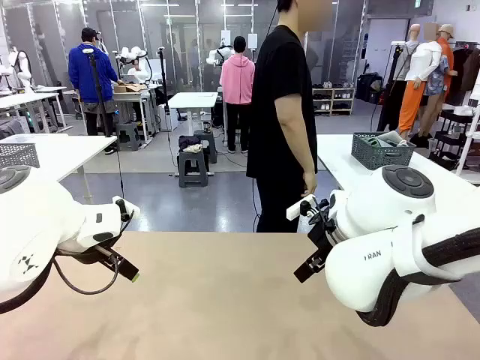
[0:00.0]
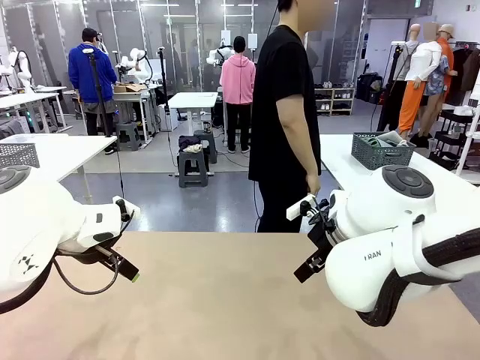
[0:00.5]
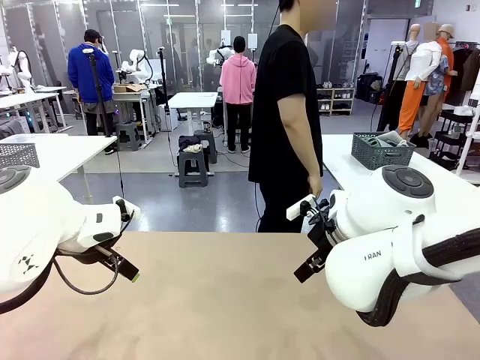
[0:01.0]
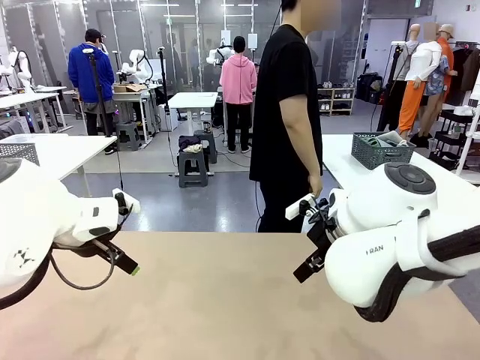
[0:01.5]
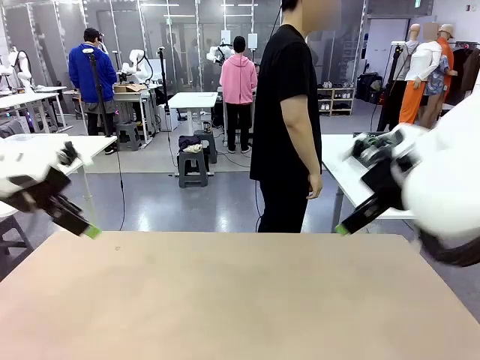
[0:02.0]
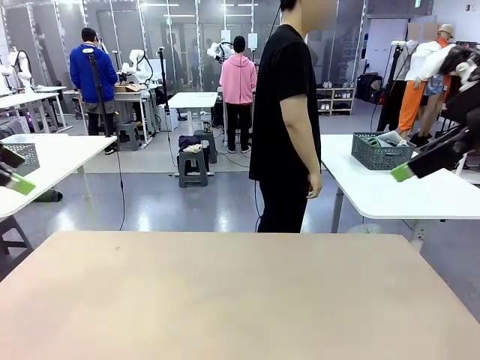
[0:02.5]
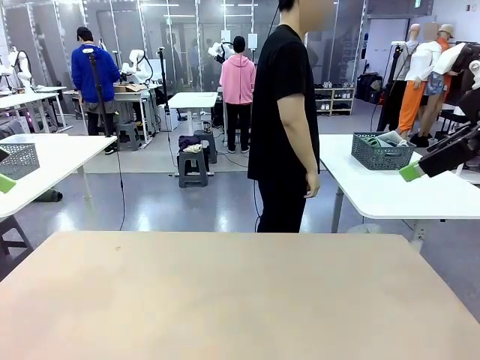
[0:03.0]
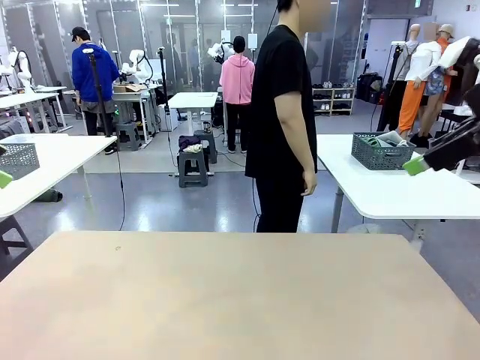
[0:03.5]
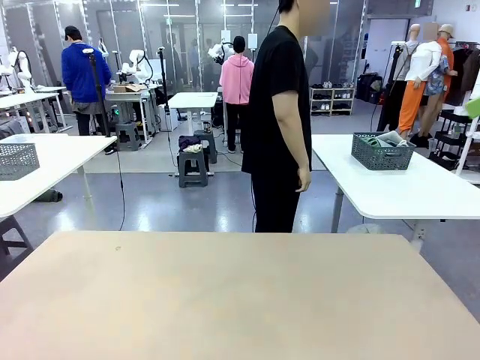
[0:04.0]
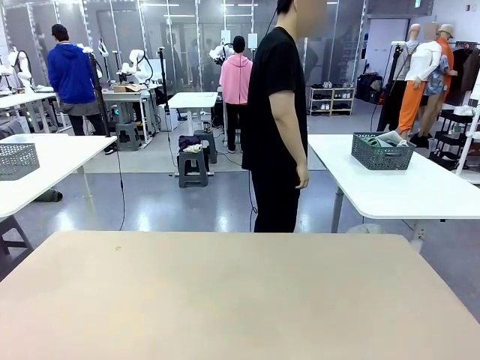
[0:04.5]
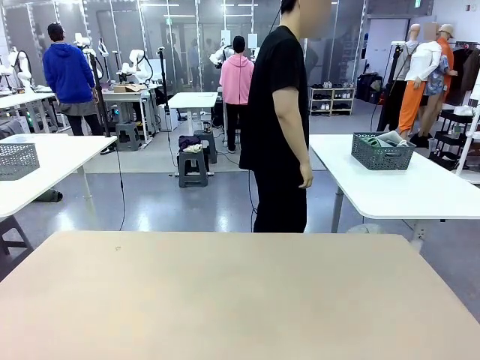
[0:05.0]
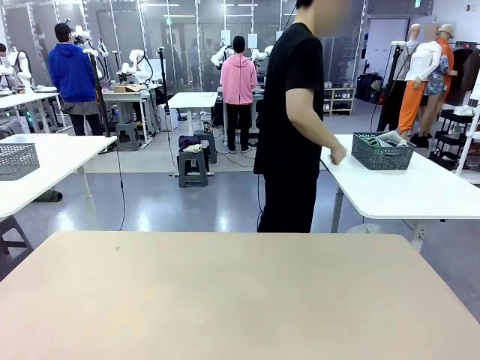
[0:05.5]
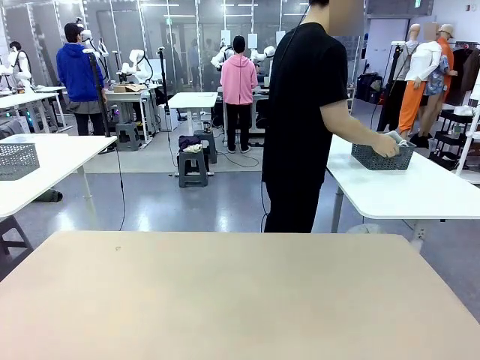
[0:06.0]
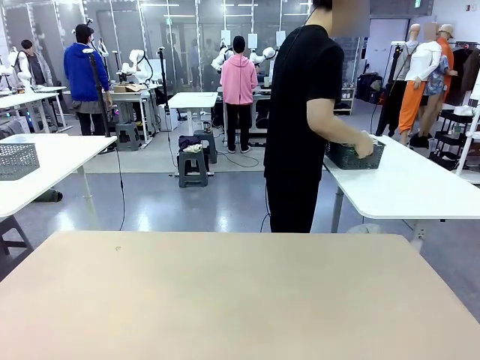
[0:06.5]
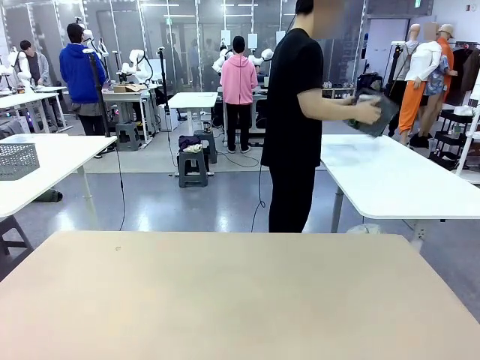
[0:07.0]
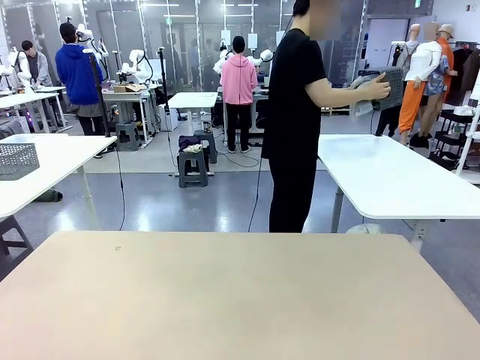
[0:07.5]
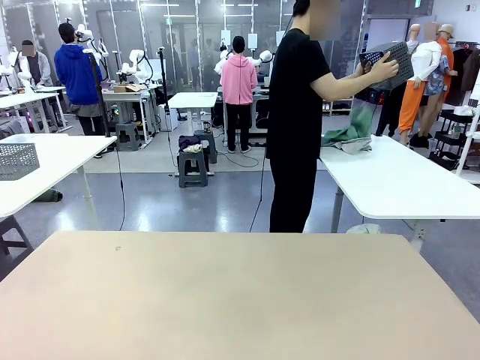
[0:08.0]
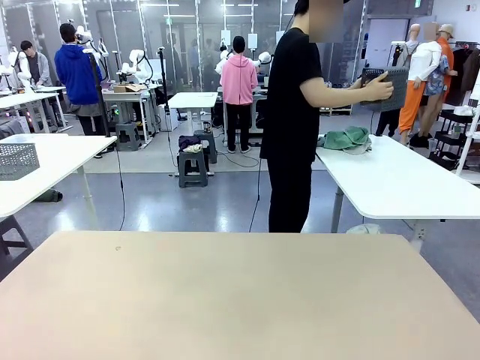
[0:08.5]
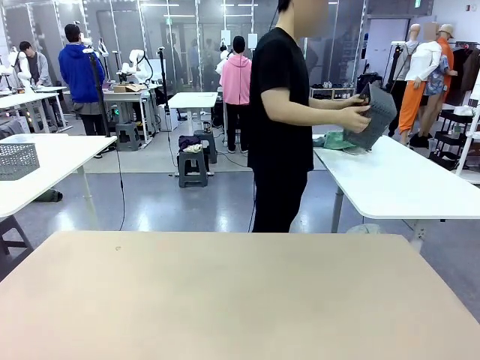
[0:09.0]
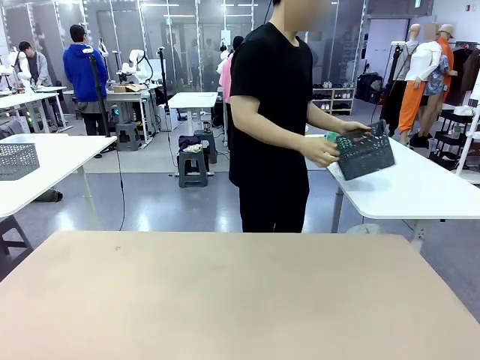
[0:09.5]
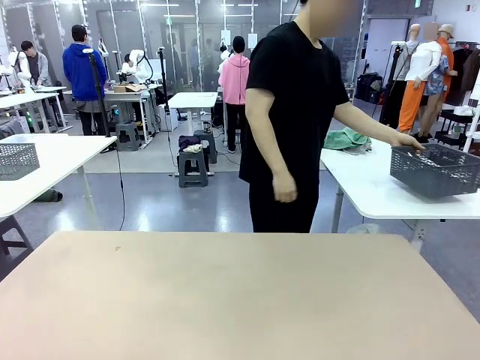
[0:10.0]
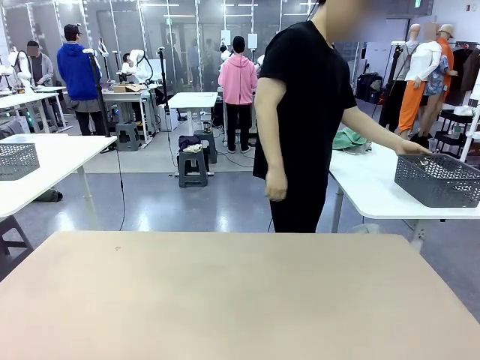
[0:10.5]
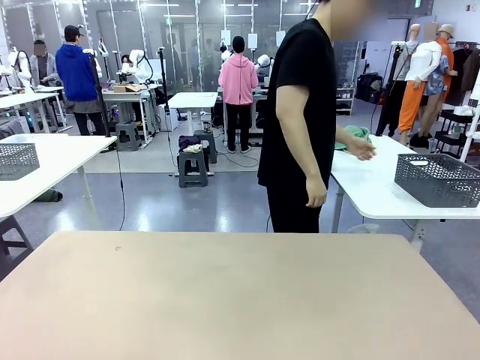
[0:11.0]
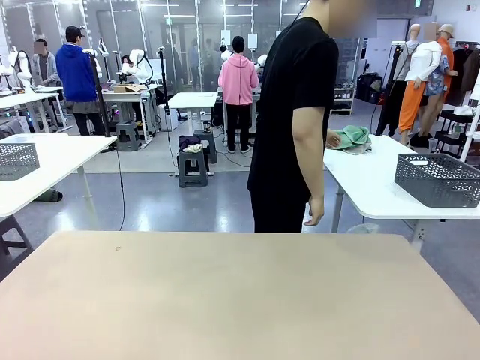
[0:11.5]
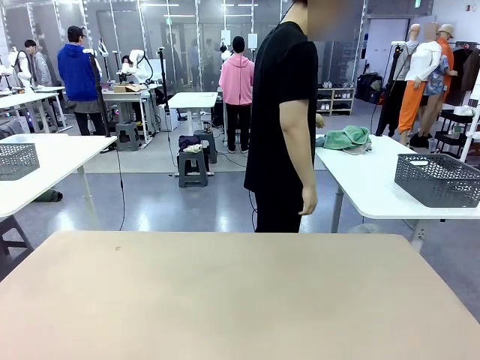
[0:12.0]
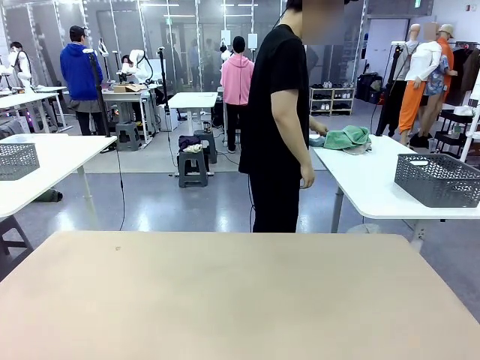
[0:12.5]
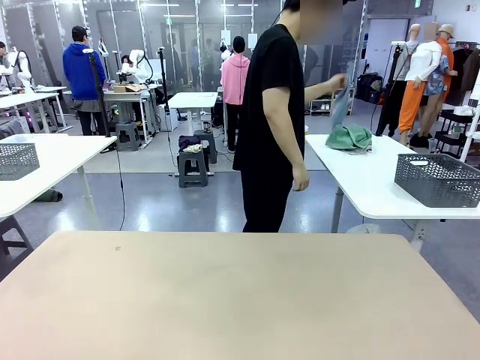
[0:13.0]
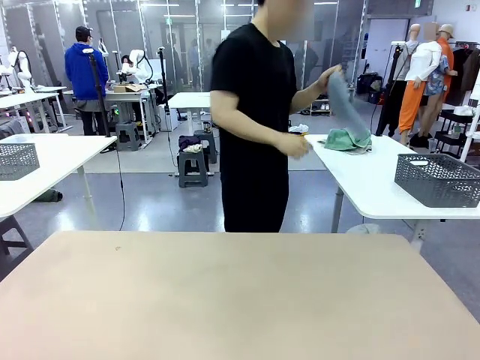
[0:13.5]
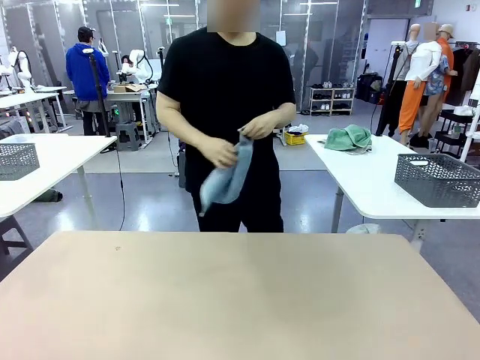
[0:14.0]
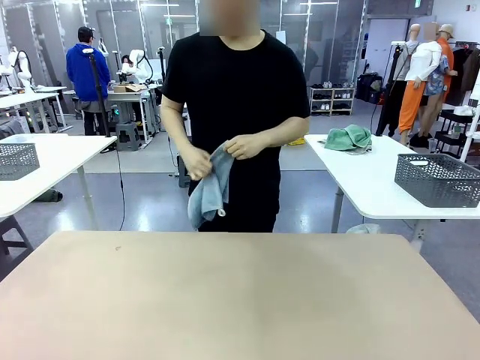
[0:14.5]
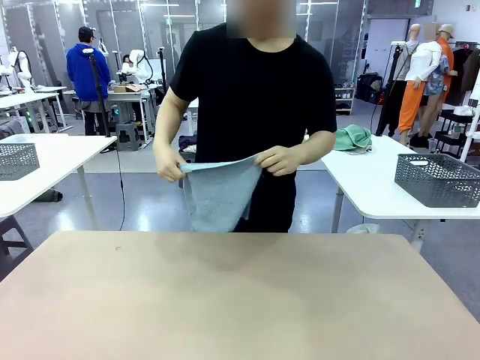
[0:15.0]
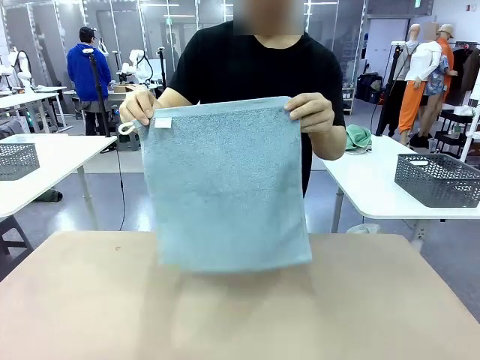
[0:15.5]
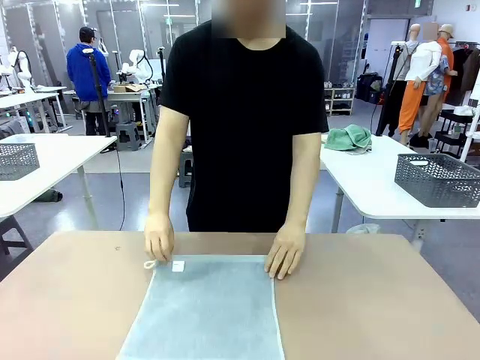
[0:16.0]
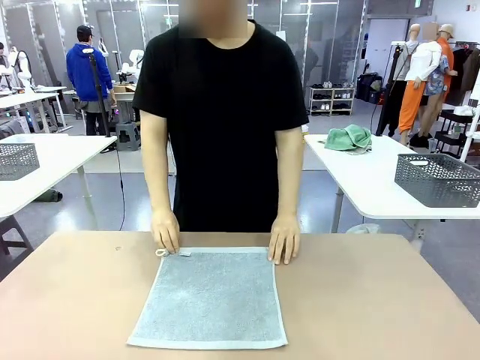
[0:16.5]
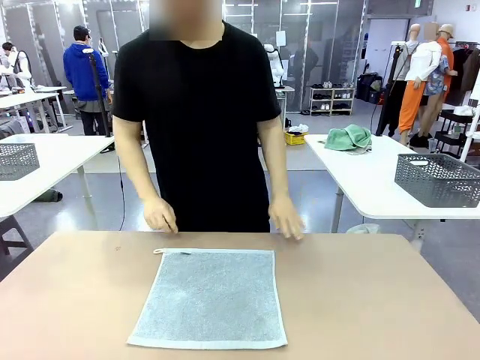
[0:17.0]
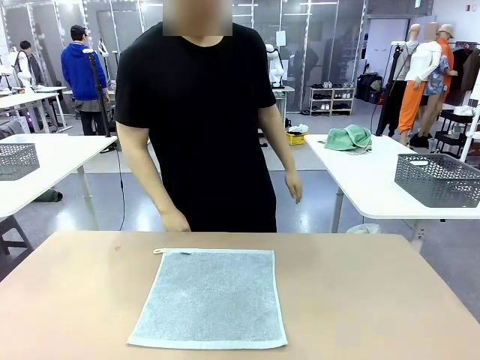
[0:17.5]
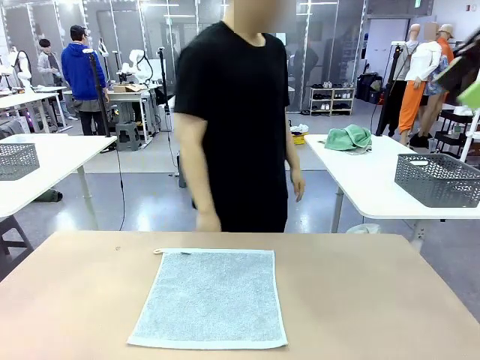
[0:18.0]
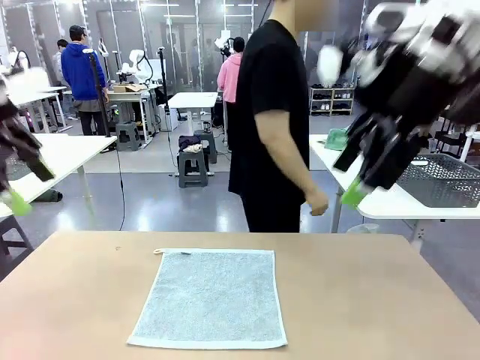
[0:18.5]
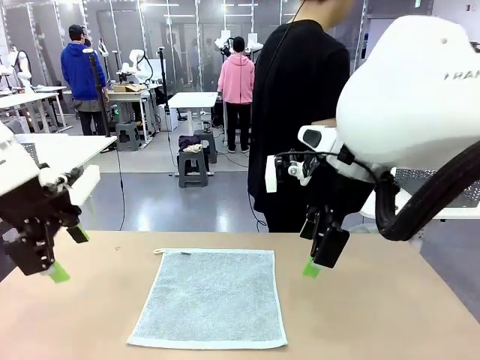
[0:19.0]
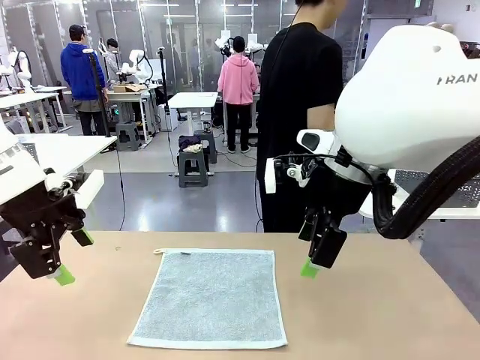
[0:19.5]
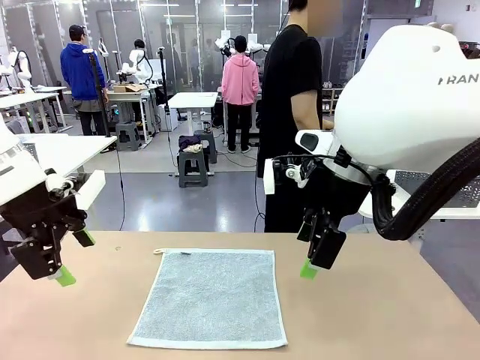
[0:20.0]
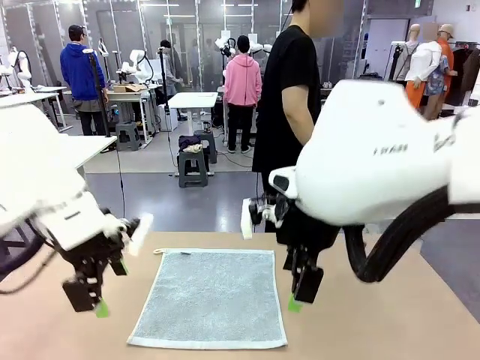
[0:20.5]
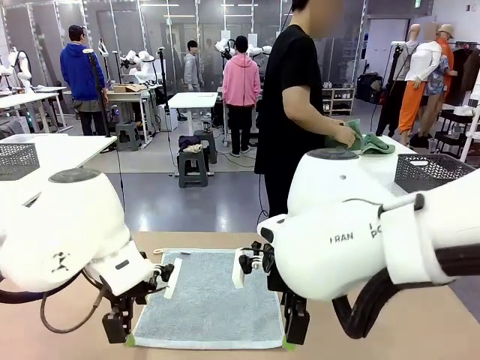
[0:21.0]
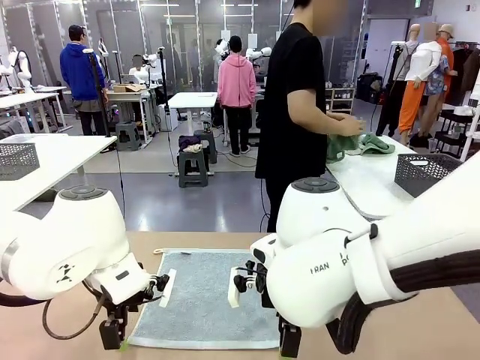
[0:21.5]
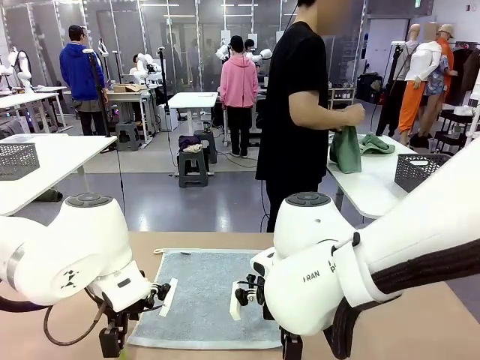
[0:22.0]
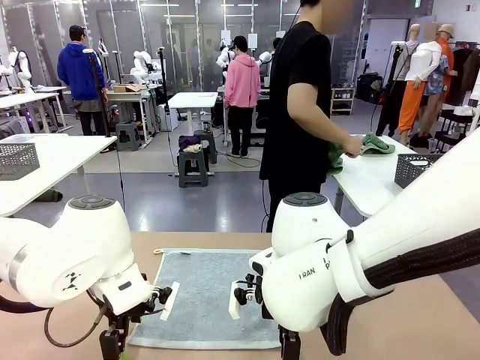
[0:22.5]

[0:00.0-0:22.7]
Task: Fold the towels and place them in the basket.
Robot: When a person lays out a Towel with hook on the table, fold it in half twice.
Person: Pick up the basket, pour the towels onto the left side of the human table, and place the basket on the right side. Pick up one towel and spread it out at the center of the robot table.
